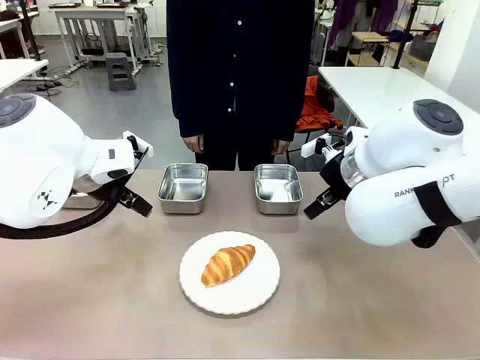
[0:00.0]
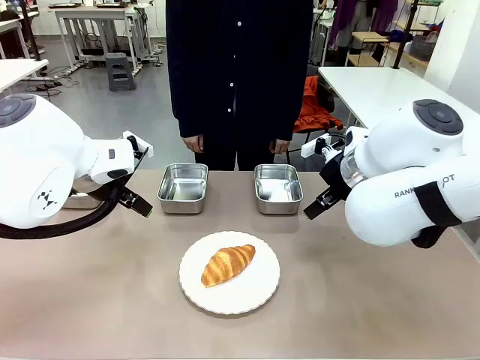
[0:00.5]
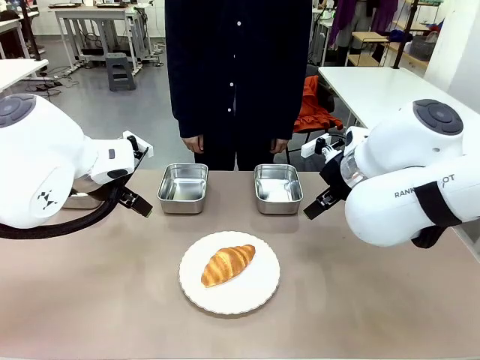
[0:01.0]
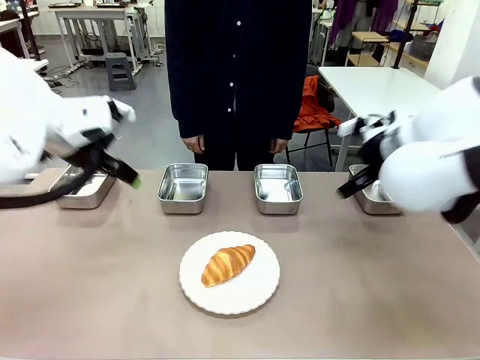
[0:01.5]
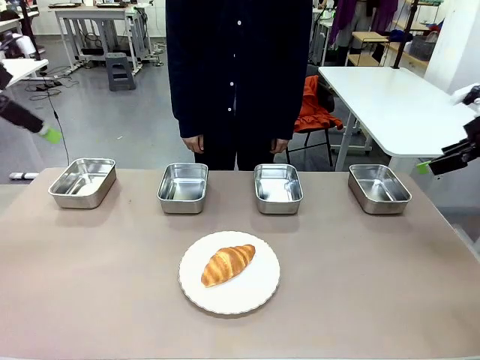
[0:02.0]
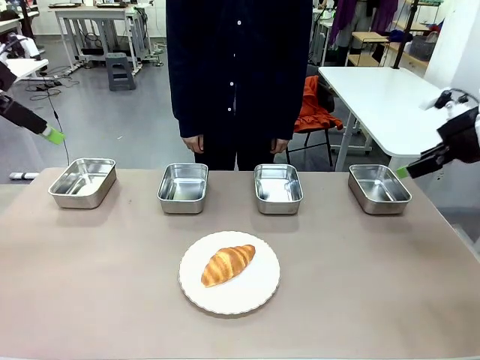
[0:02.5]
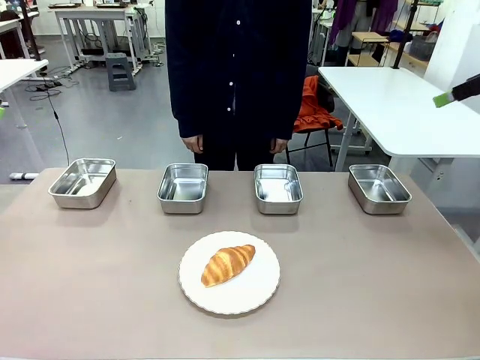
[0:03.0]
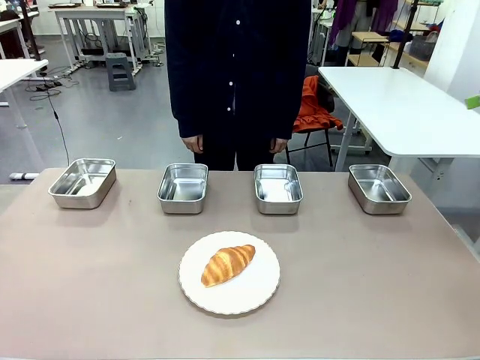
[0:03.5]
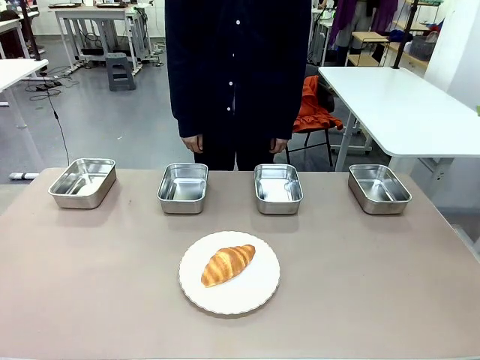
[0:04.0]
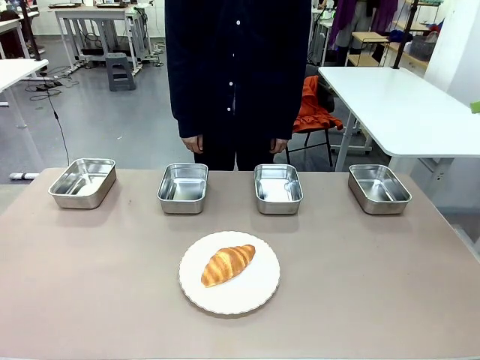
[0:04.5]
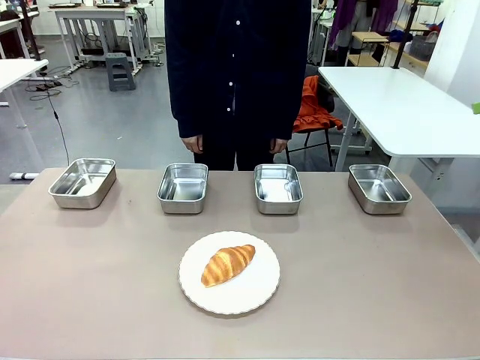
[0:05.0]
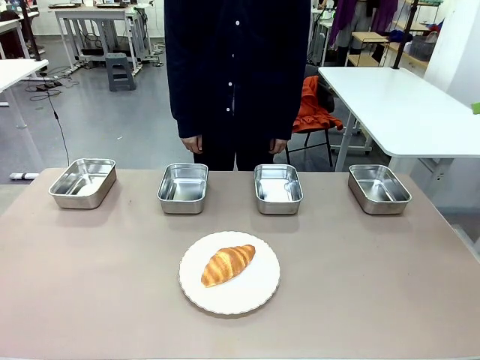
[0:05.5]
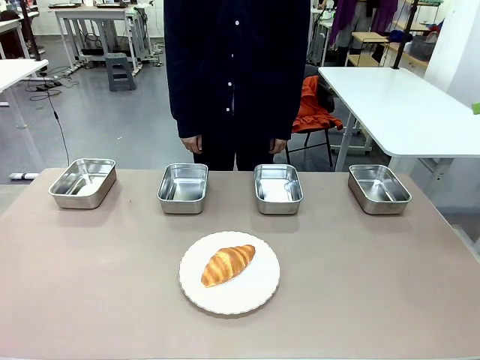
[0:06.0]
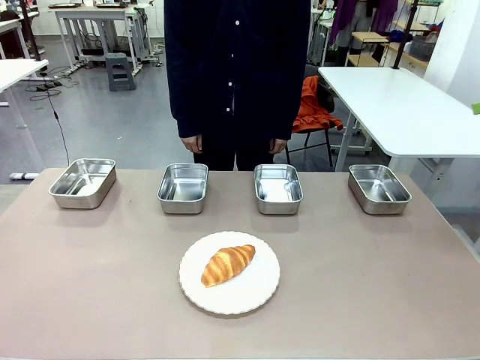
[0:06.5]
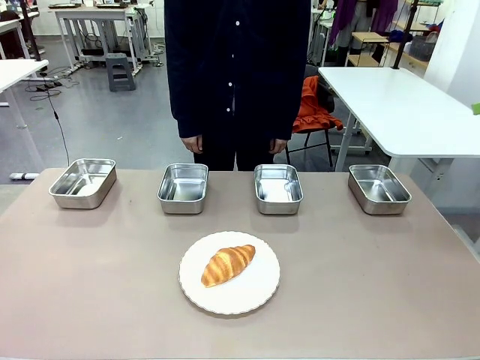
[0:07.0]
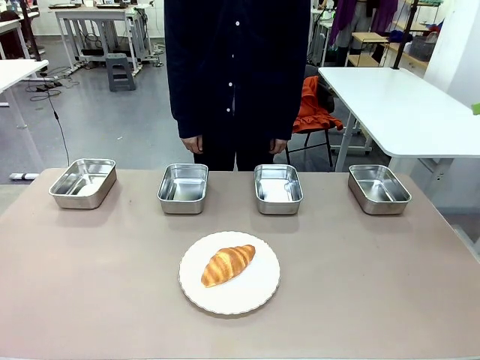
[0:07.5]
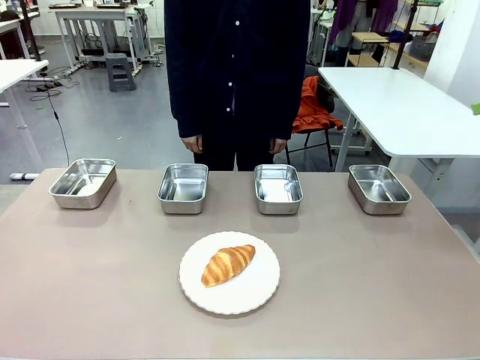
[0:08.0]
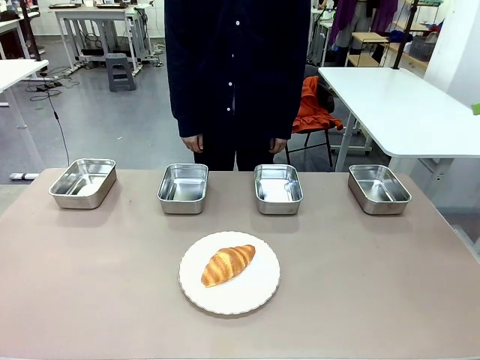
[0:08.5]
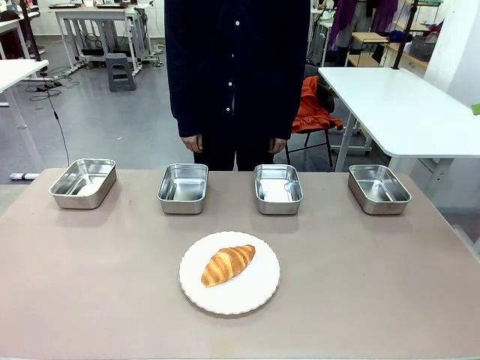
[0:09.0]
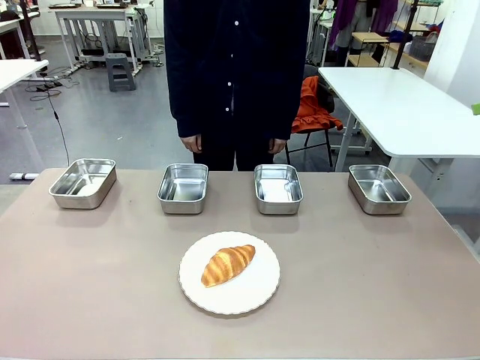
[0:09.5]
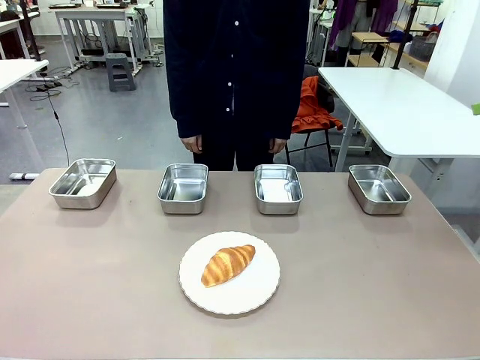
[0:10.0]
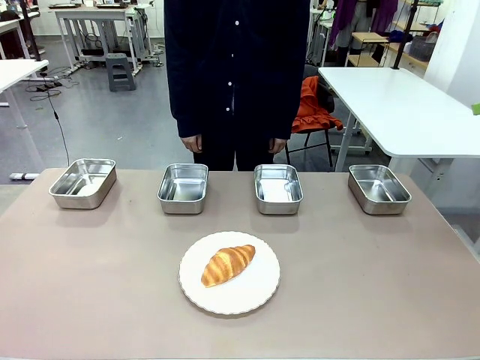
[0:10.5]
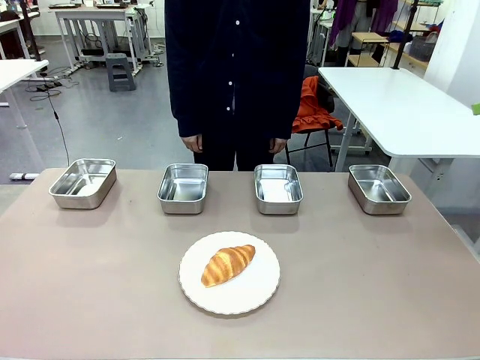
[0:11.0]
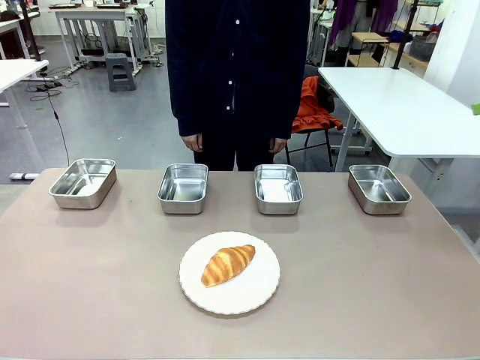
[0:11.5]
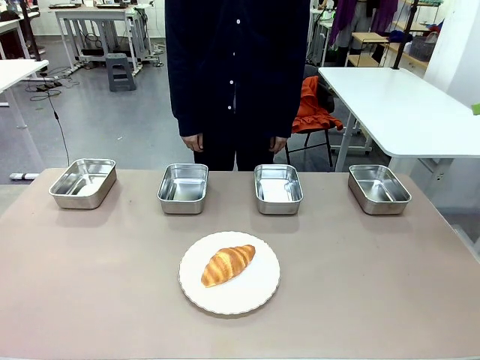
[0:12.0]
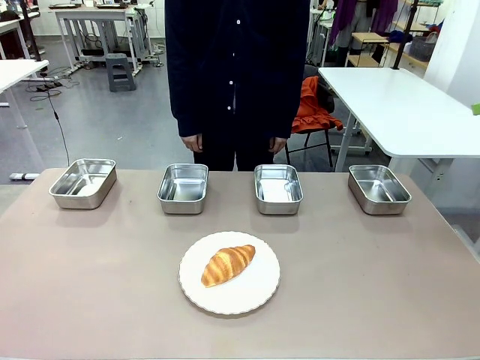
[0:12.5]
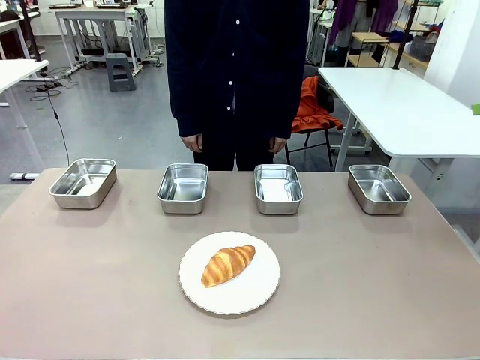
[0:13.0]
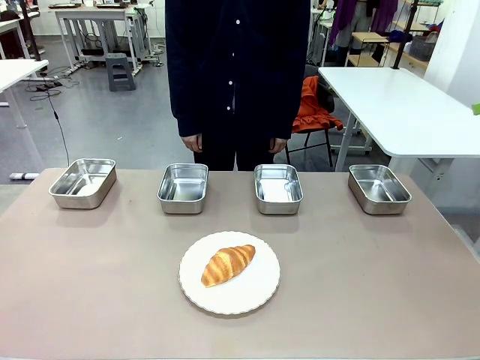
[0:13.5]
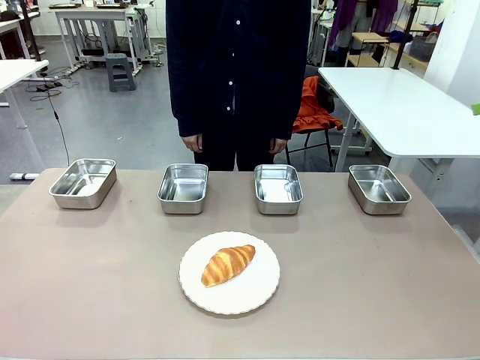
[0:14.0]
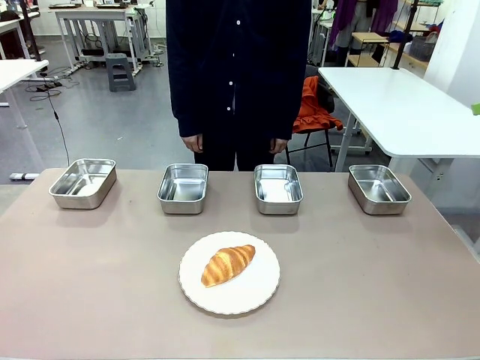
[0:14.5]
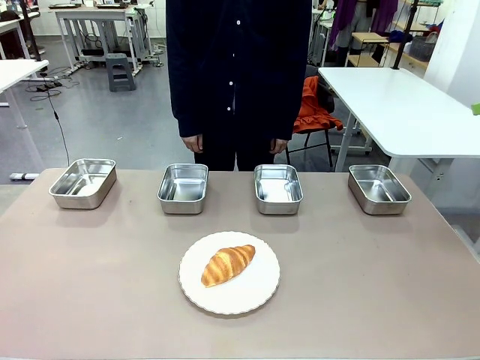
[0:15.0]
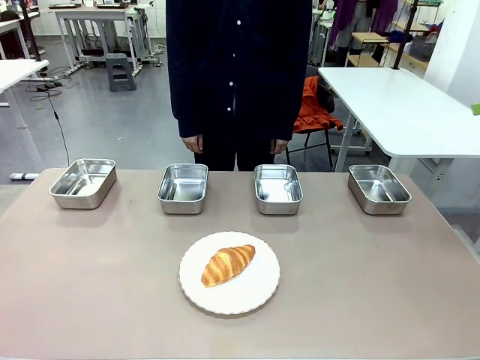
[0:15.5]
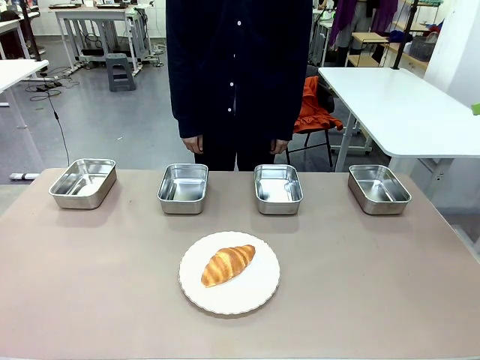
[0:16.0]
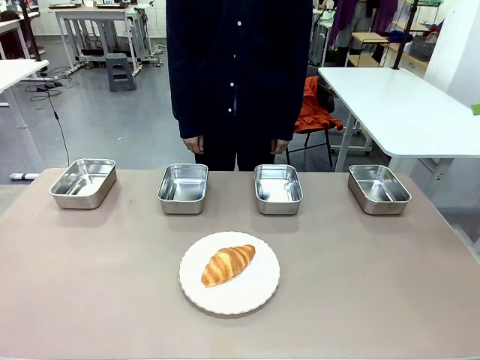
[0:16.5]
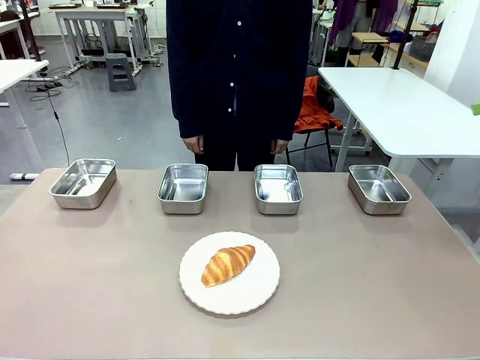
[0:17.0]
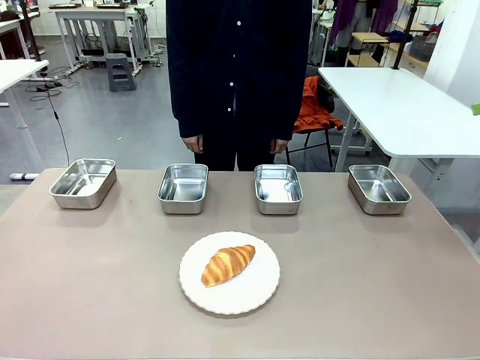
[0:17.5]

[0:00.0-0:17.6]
Task: Place the bread in the container.
Robot: Place the Butter Roll into the Airtight Container indicated by the human.

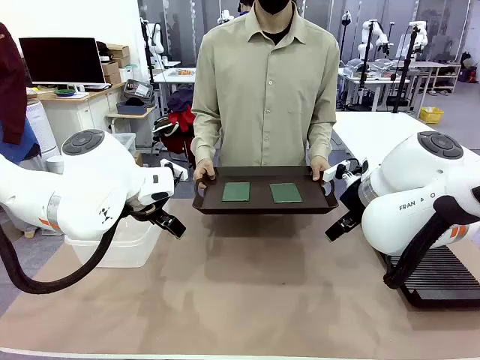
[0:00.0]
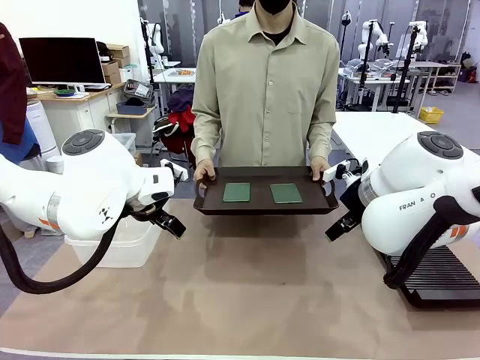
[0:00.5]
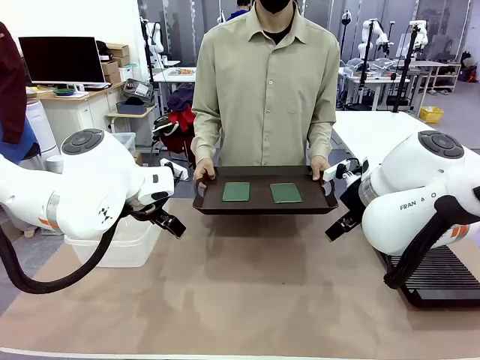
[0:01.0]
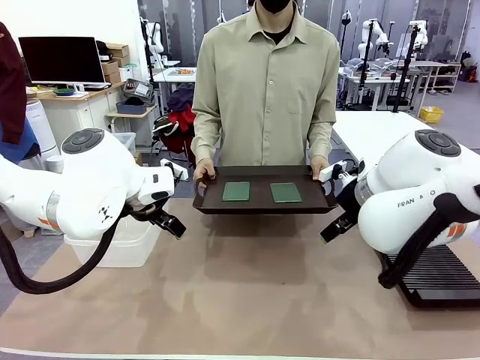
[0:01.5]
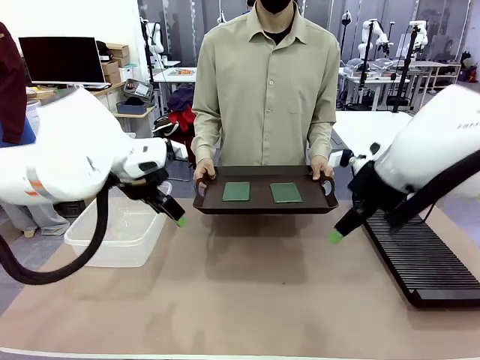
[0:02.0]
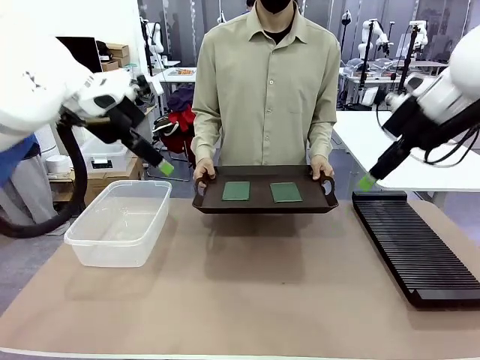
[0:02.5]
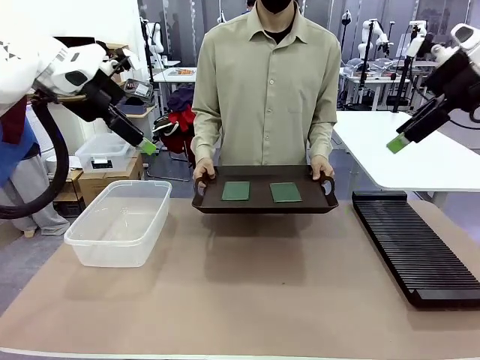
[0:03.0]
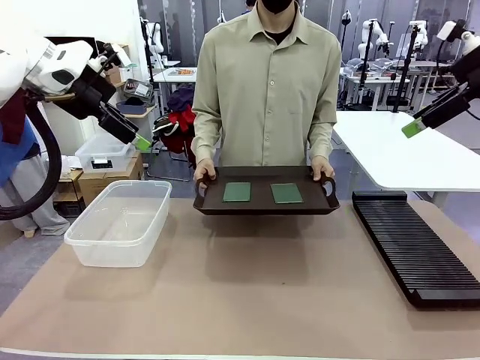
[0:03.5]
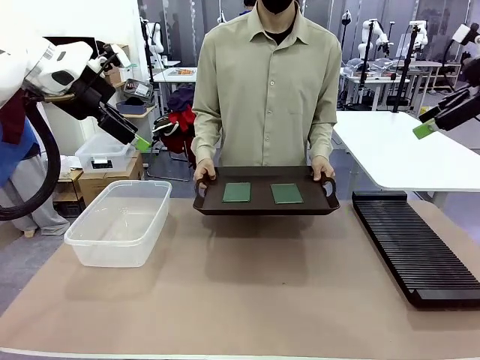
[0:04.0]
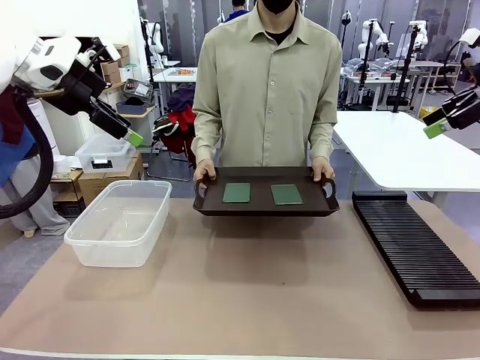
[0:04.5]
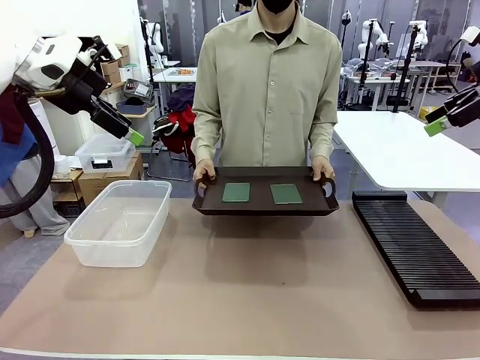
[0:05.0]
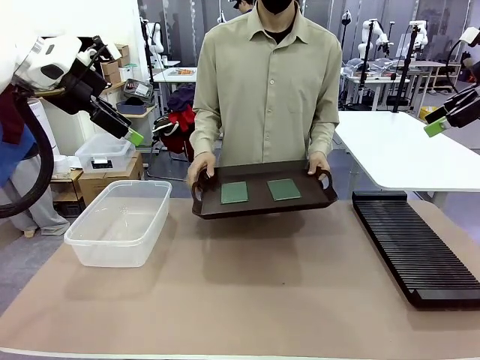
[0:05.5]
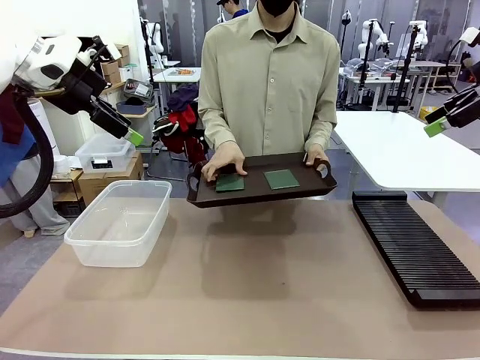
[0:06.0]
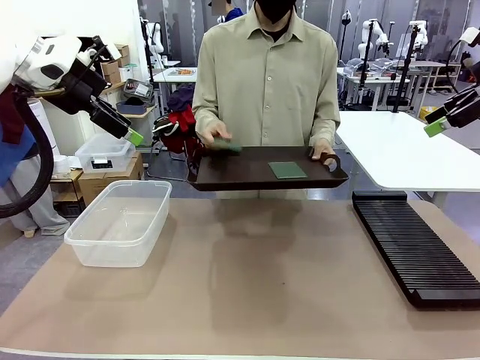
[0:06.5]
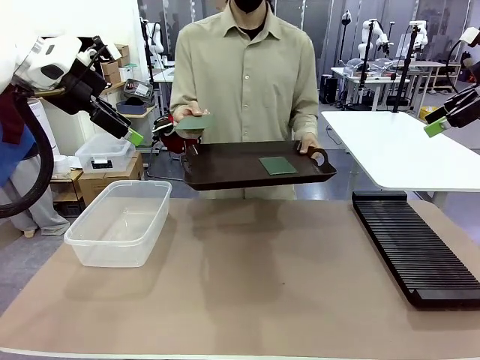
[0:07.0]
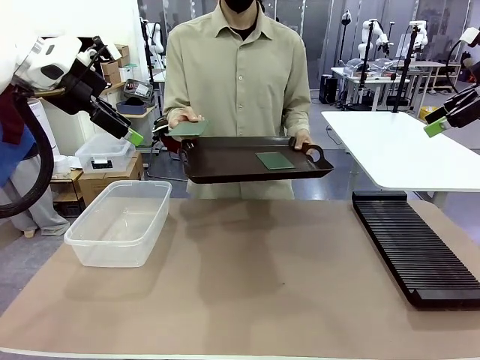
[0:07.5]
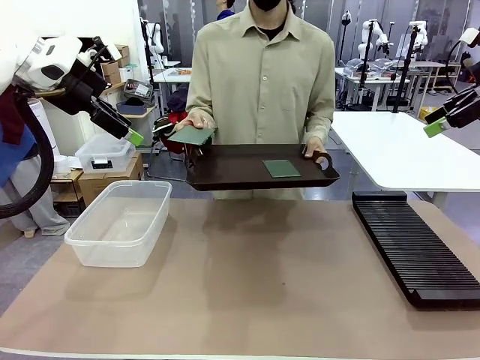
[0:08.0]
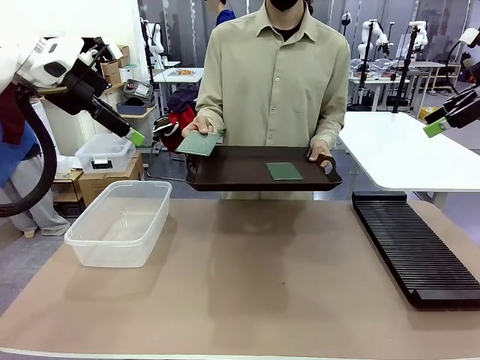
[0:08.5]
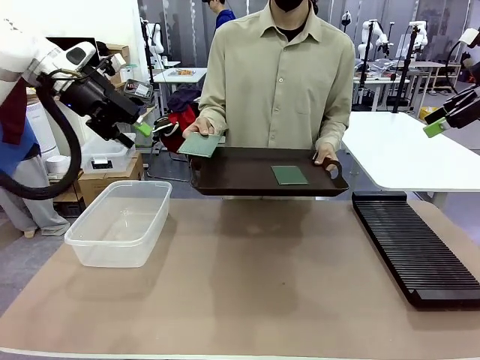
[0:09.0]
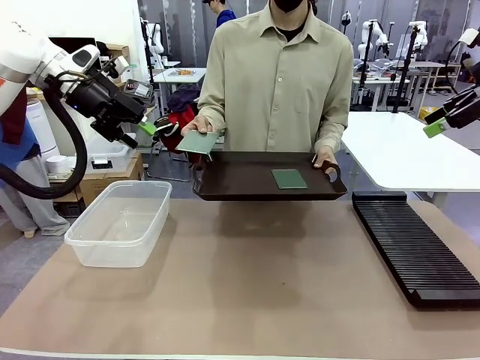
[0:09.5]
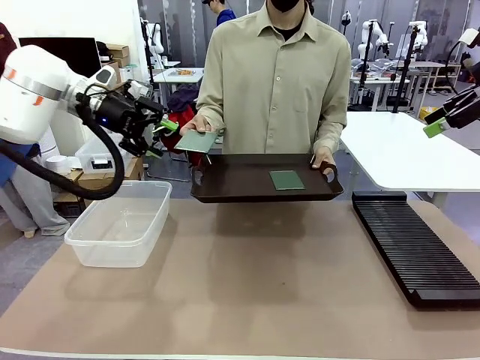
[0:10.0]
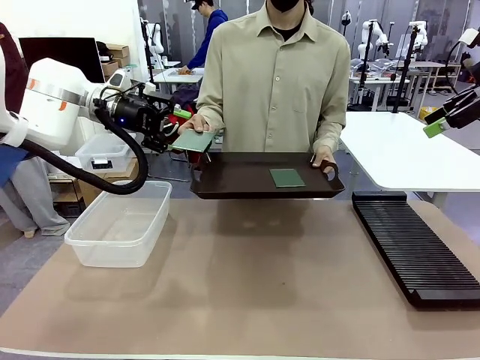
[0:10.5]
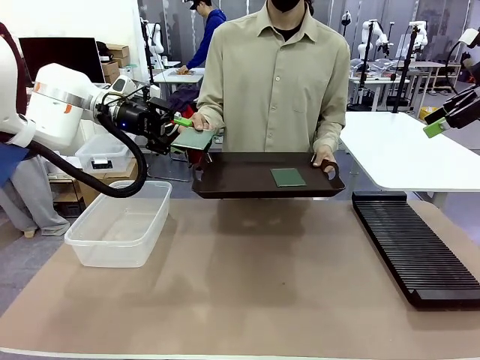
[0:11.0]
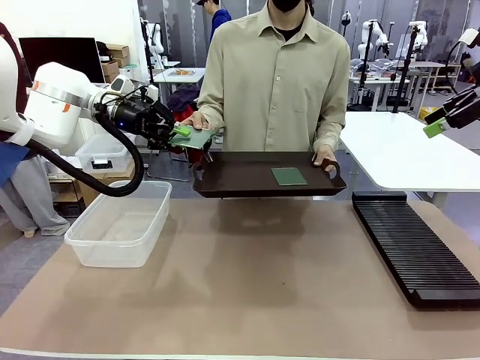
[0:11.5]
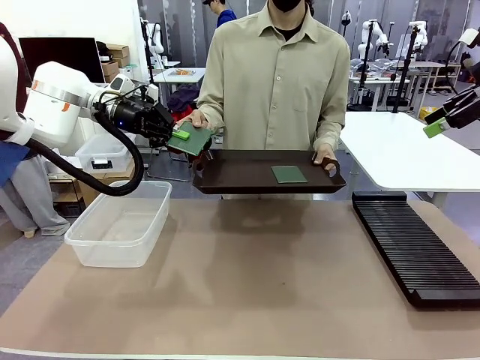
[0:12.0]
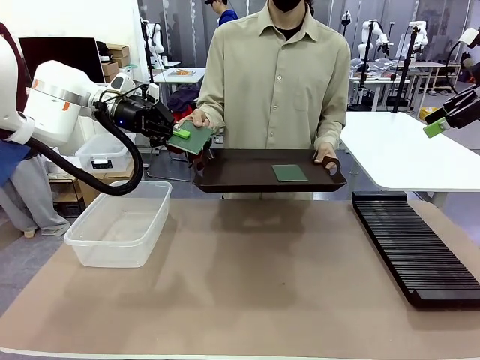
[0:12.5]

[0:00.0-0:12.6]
Task: Sort PCBs into racks and boxes based on the side picked up.
Robot: Pick up the Blank PCB handed by the Human.
Person: Pick one PCB from the tray and present it to the robot. Release the PCB being held.
